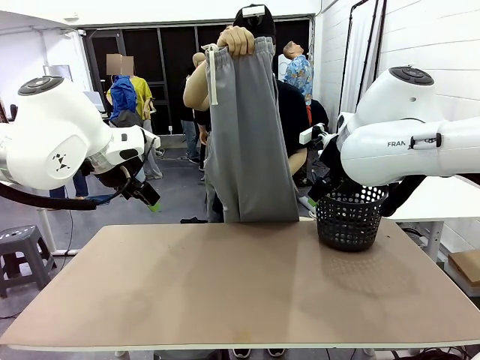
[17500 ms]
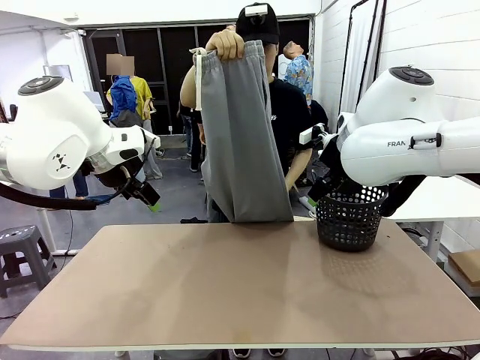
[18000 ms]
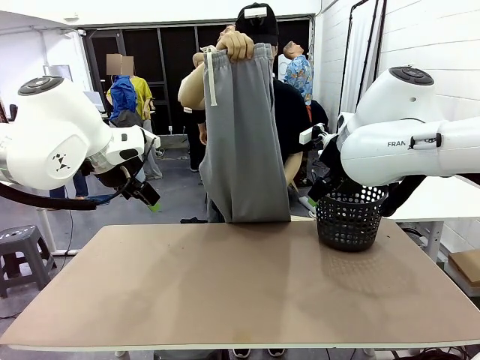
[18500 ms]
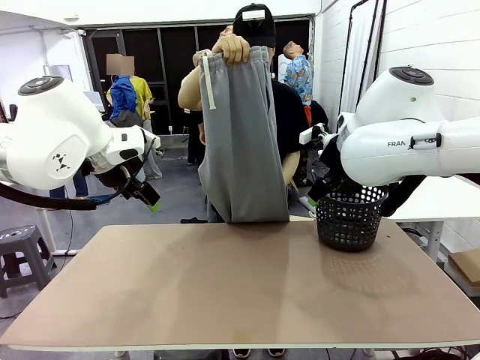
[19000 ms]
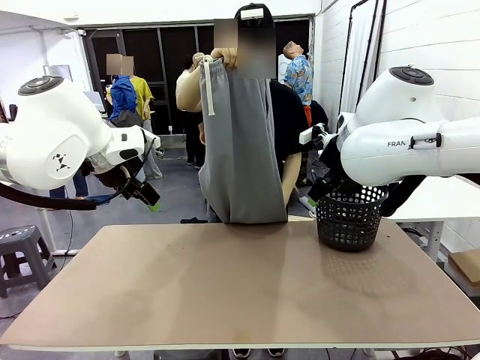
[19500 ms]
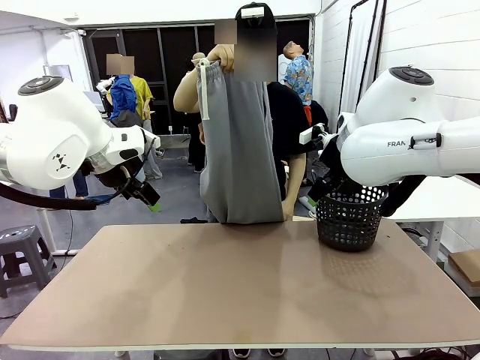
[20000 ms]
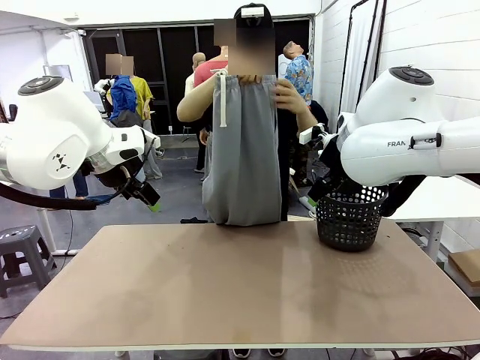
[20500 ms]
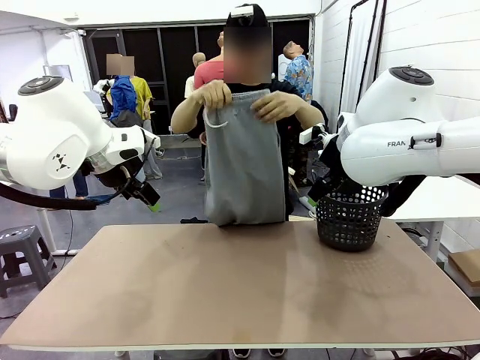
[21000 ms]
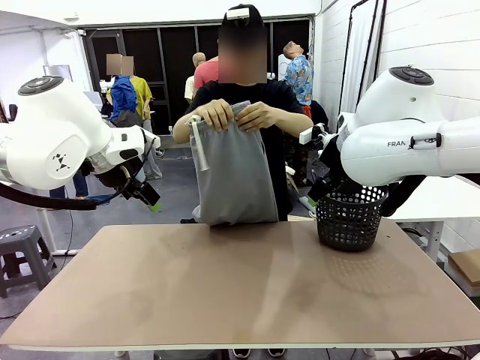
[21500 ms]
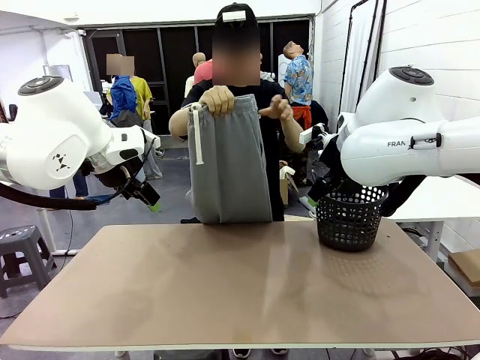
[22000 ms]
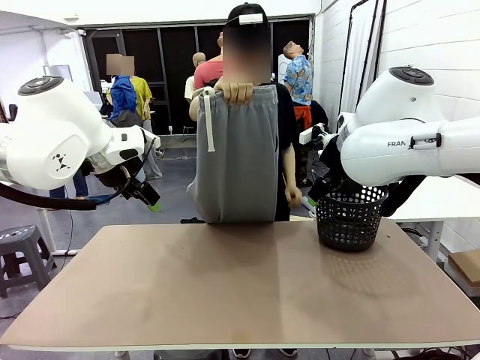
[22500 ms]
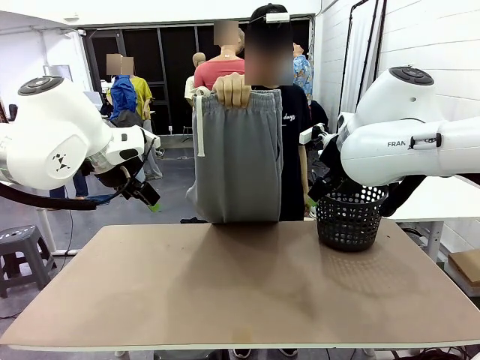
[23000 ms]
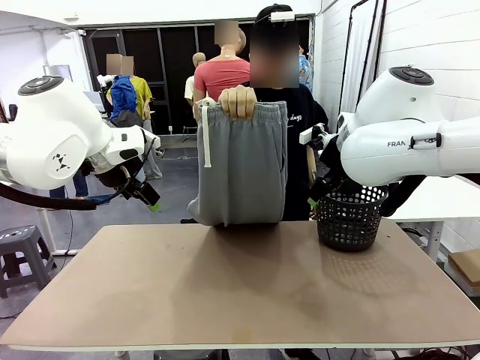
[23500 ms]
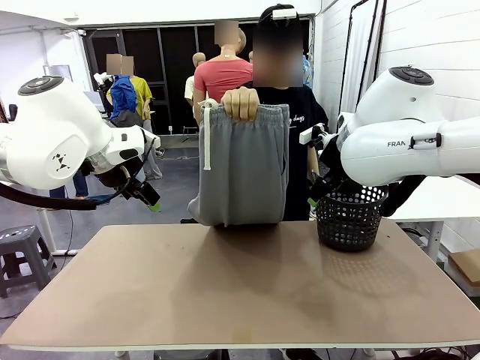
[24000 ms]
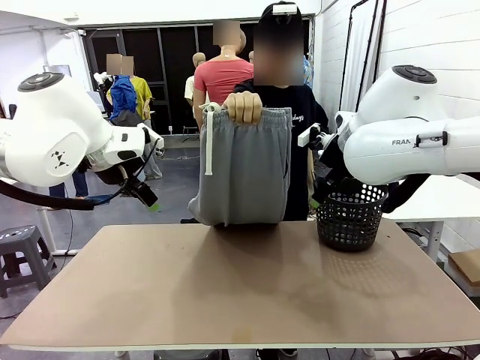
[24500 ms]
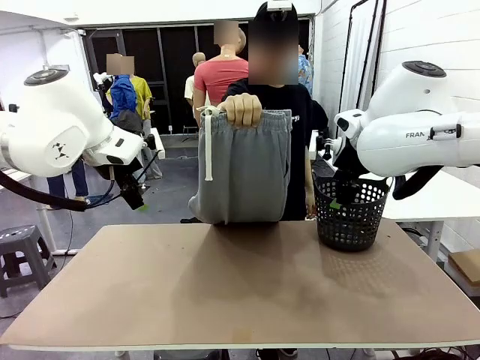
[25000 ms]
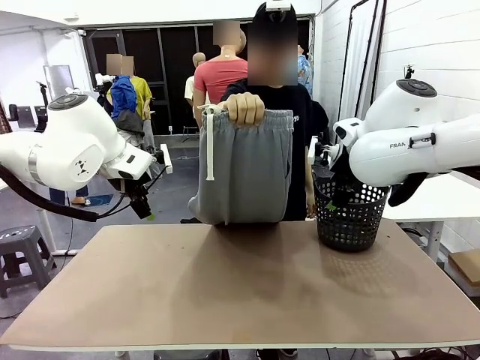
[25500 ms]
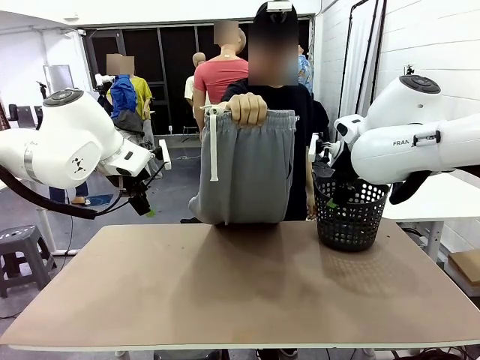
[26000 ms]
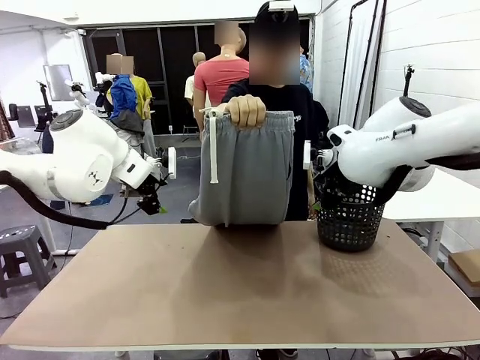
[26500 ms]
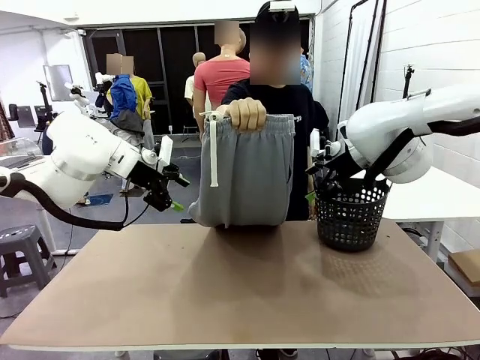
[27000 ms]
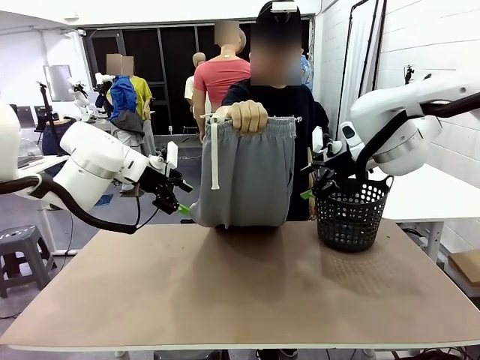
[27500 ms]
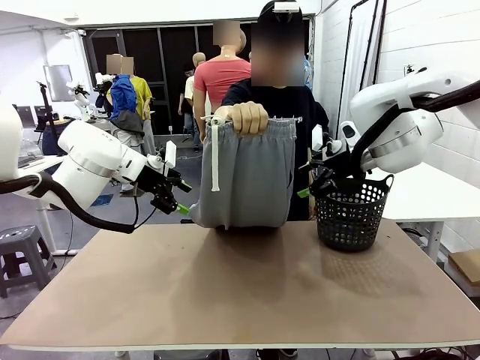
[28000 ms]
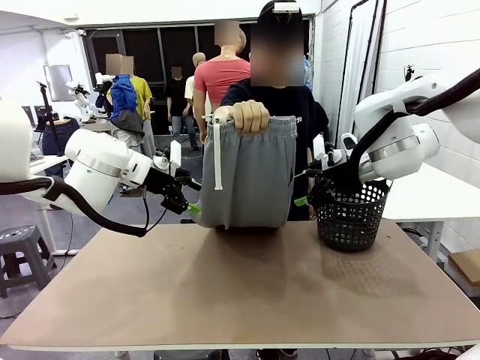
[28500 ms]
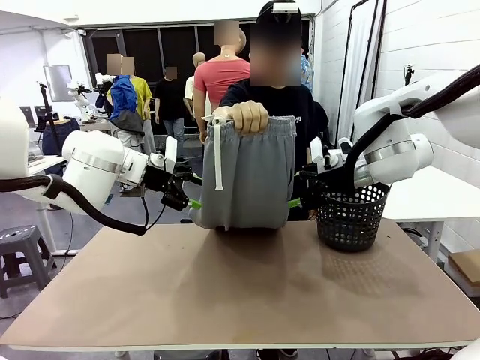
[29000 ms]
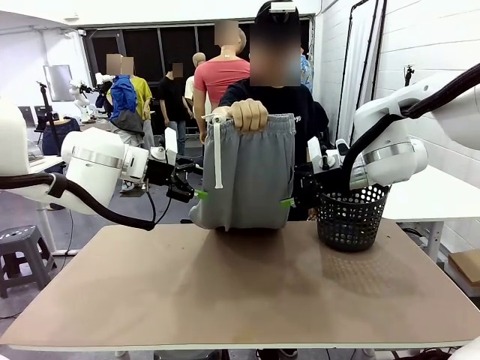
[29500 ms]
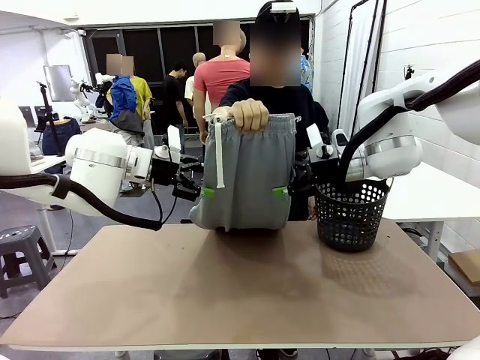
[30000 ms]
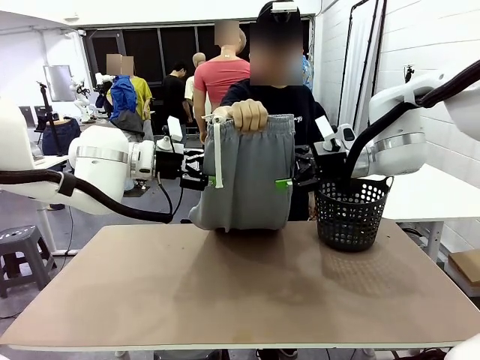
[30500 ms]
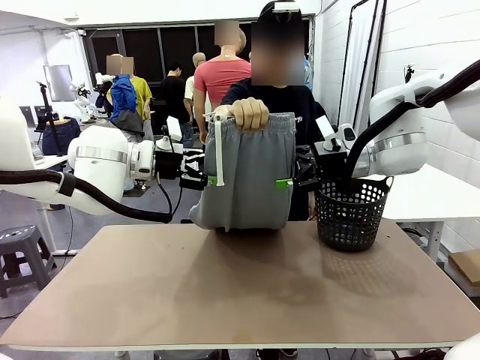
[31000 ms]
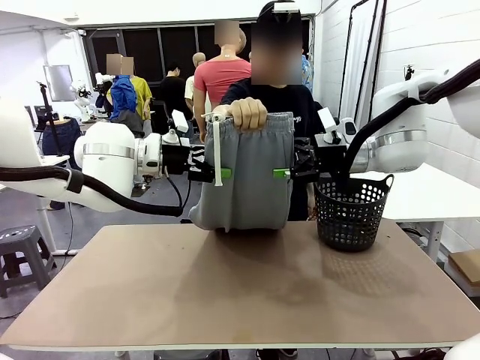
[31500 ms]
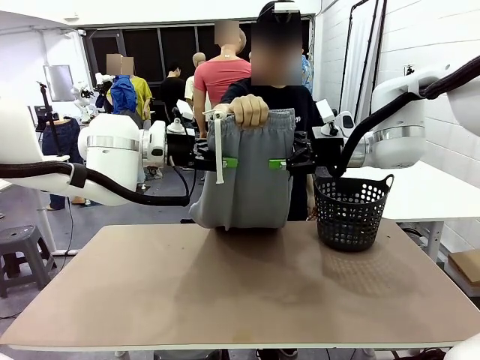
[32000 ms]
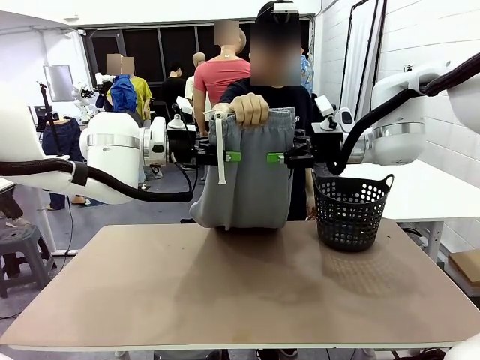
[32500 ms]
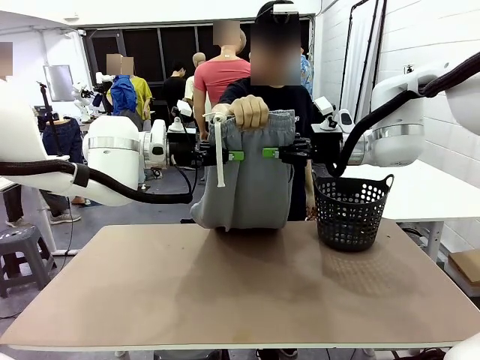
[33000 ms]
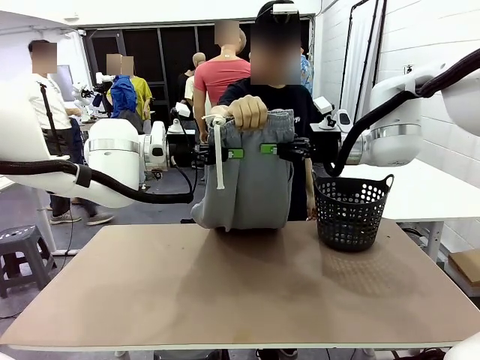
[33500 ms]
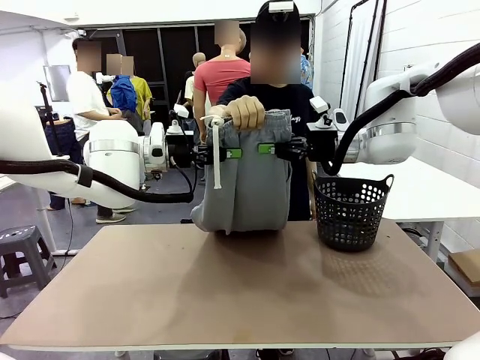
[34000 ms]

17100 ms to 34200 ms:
Task: Fold the training pants.
Robot: Grab both ends of the Training pants handed by a person.

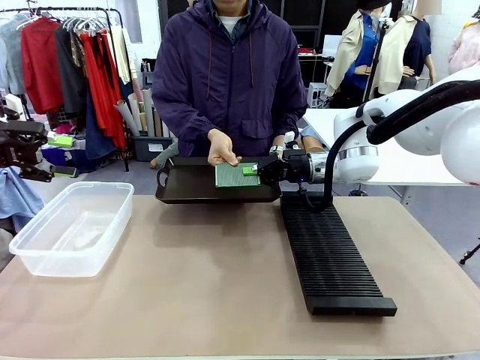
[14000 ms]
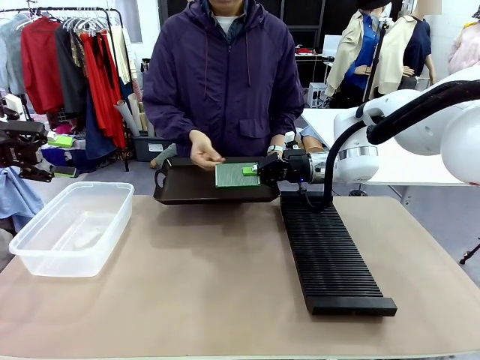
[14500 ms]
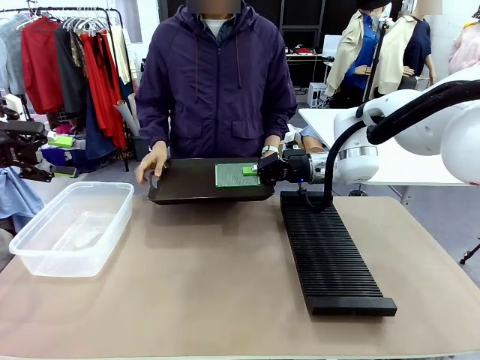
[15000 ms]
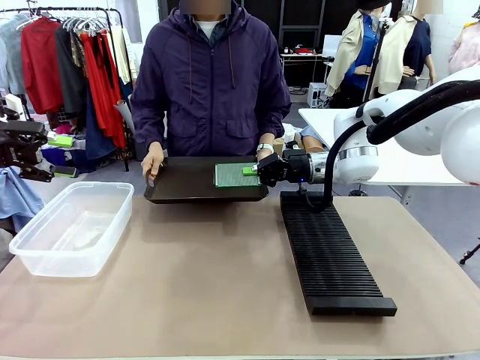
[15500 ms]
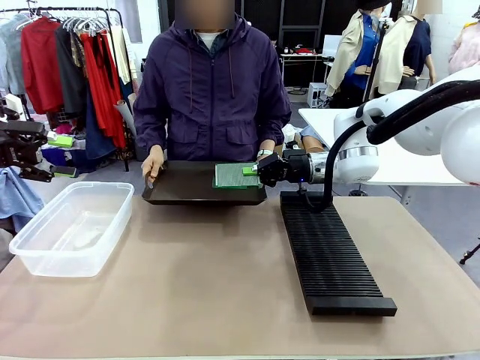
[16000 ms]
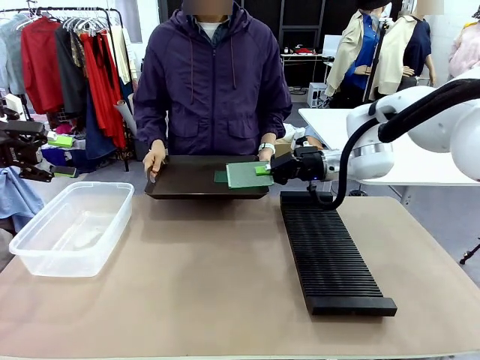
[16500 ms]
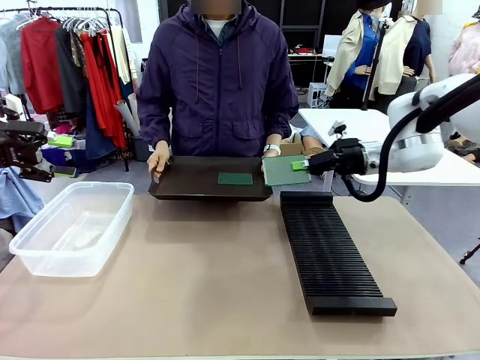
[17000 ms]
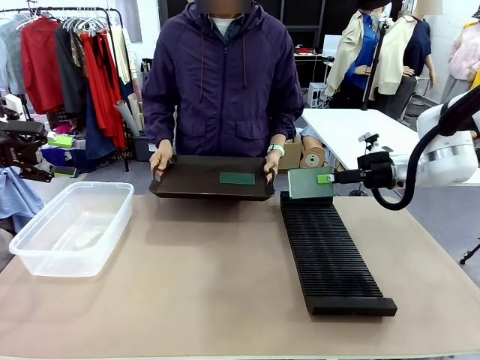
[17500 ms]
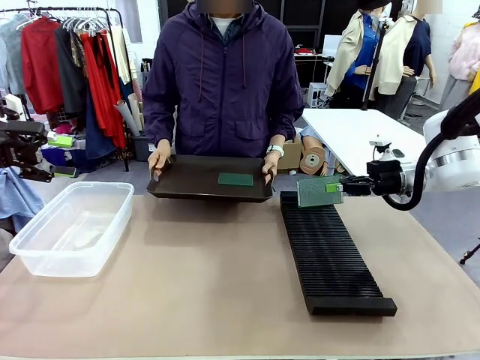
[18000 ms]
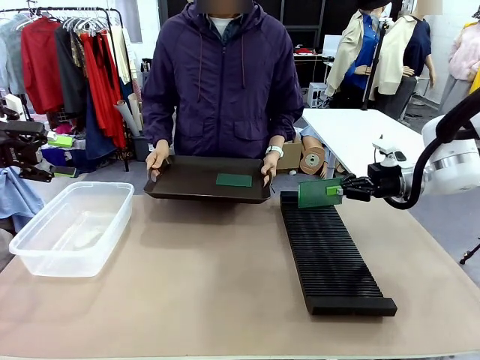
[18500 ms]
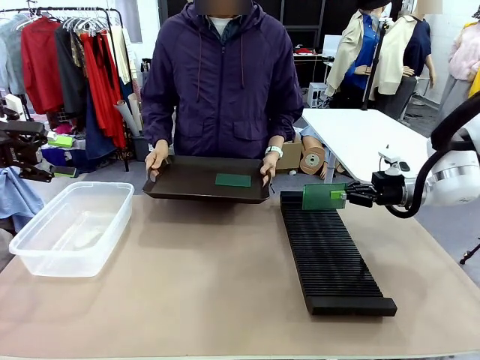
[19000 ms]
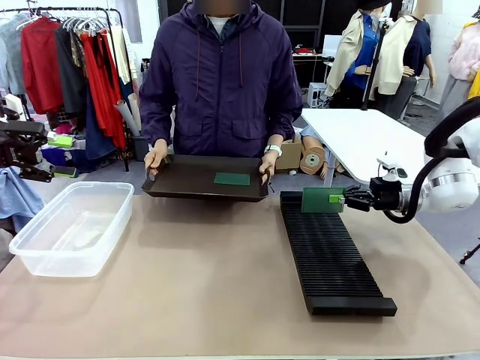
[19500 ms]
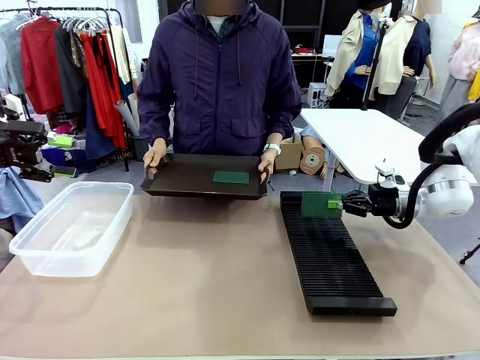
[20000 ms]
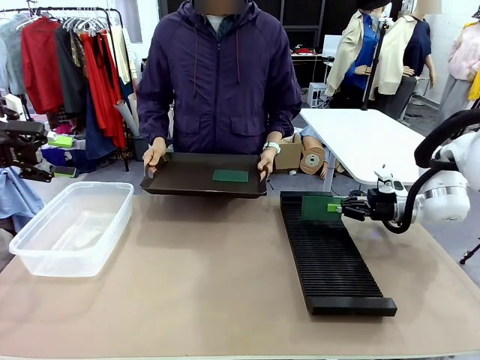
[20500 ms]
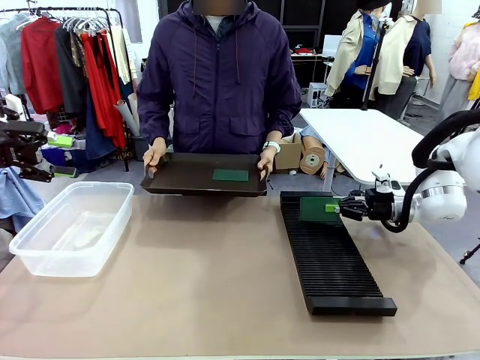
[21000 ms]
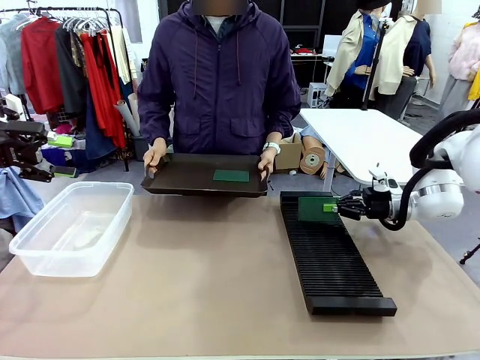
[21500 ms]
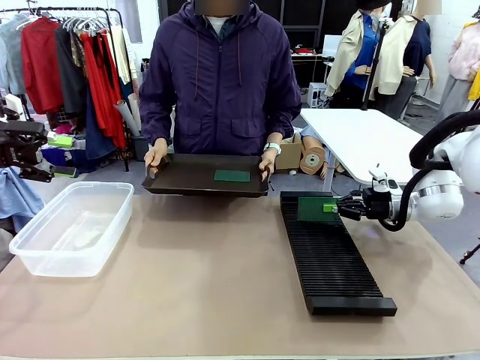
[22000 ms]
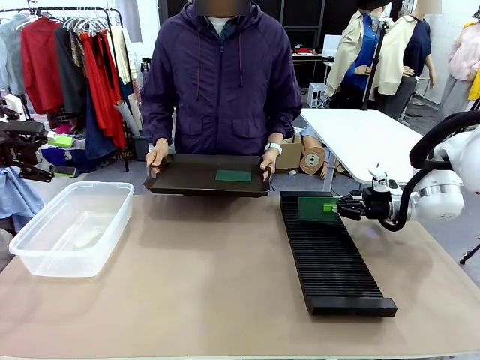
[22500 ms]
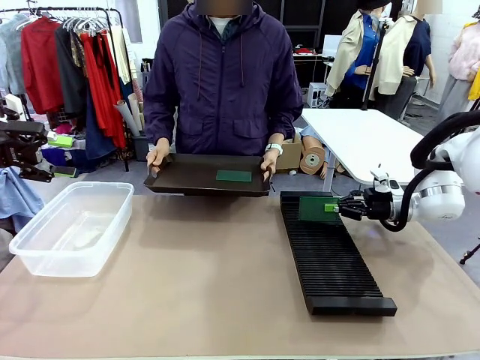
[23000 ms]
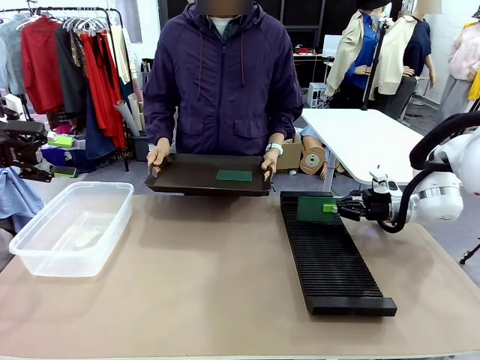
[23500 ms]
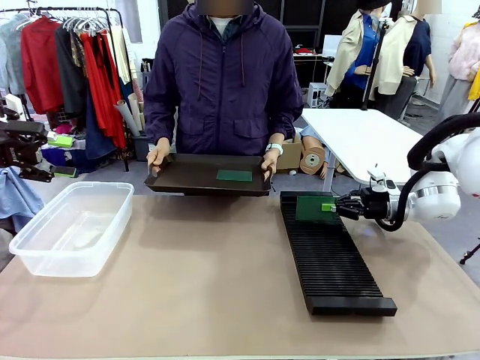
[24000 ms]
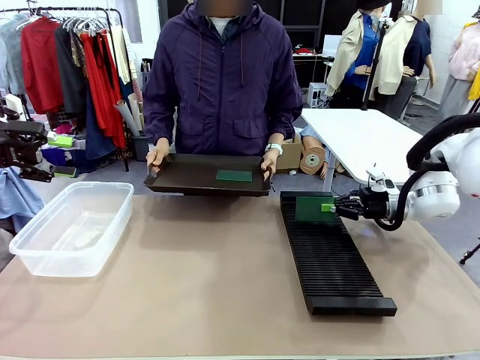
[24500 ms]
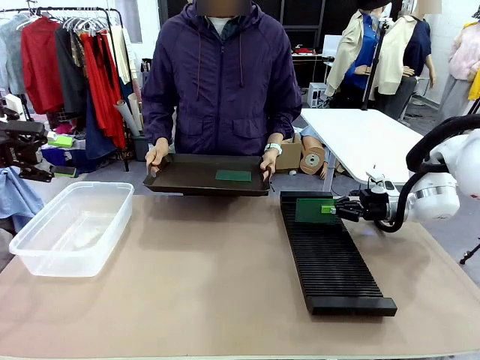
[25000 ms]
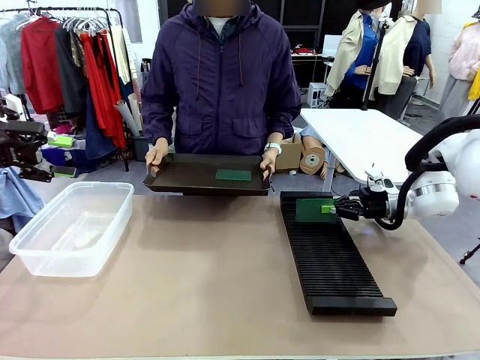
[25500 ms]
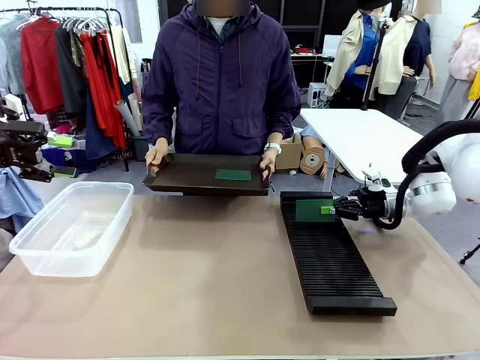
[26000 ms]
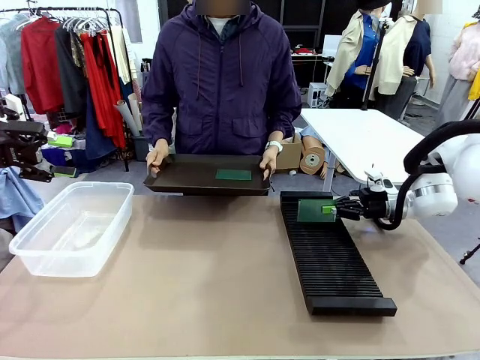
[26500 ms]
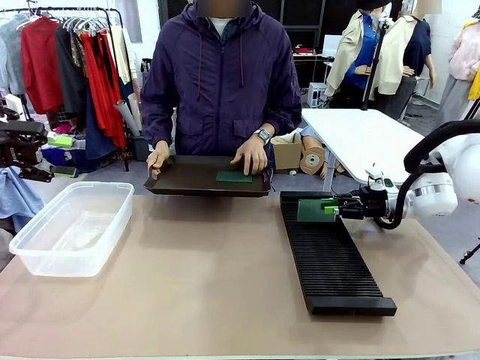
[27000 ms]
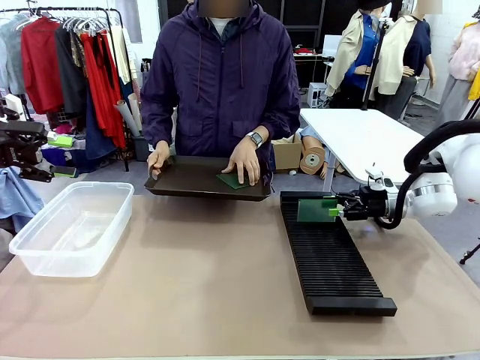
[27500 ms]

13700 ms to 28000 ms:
Task: Sort PCBs into racks and boxes based on the side picked up.
Robot: If the short side of the Blank PCB is picked up, insert it into the PCB Rack ; if the long side is picked up, place it in the Organizing box.
Person: Pick one PCB from the tray and present it to the robot.
